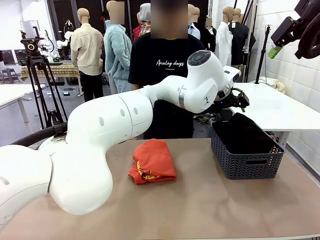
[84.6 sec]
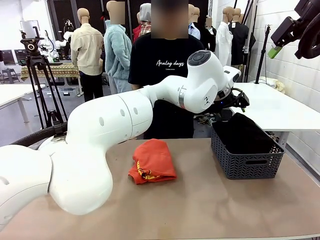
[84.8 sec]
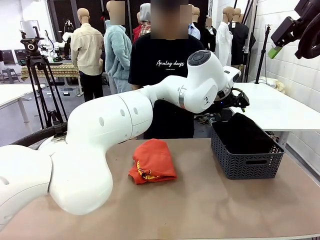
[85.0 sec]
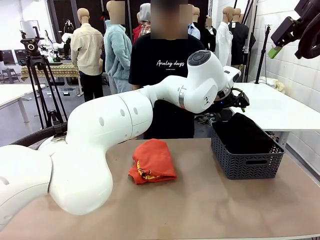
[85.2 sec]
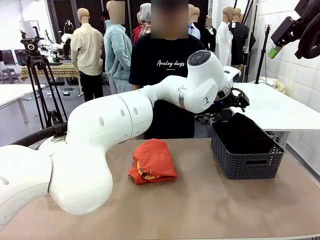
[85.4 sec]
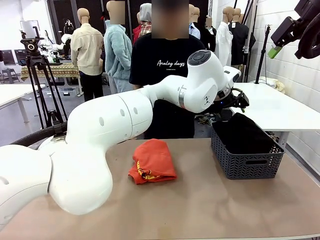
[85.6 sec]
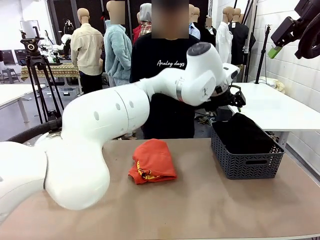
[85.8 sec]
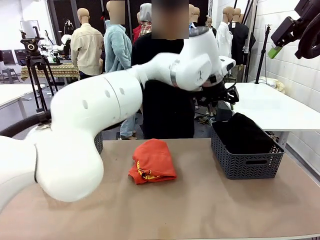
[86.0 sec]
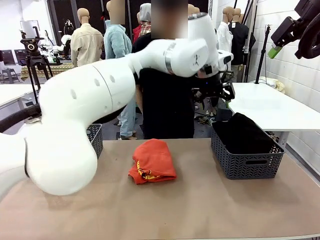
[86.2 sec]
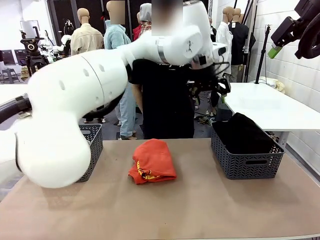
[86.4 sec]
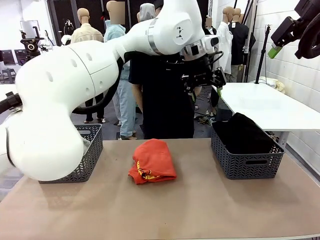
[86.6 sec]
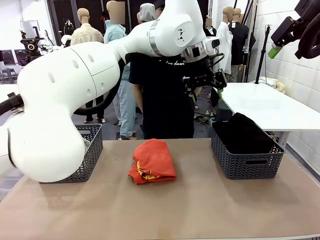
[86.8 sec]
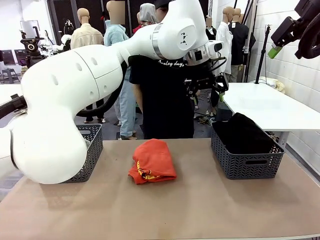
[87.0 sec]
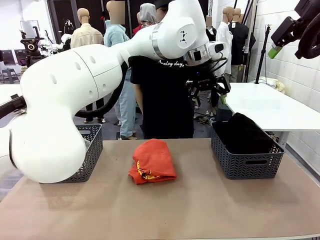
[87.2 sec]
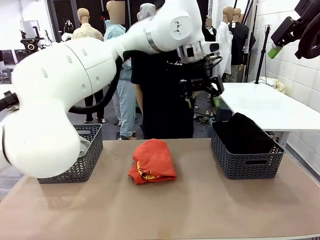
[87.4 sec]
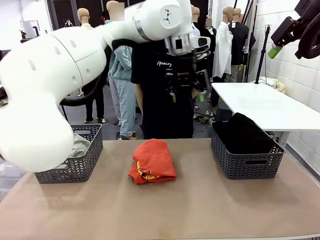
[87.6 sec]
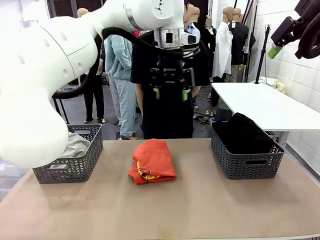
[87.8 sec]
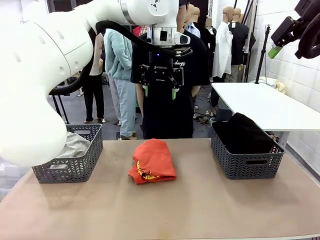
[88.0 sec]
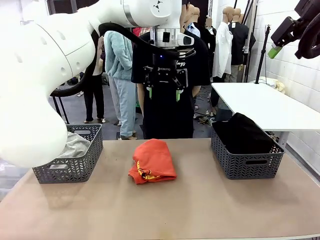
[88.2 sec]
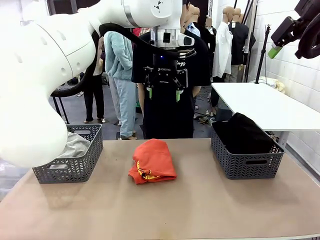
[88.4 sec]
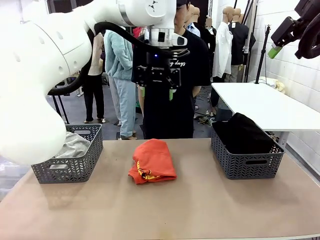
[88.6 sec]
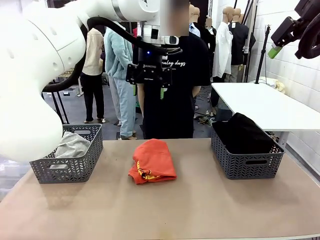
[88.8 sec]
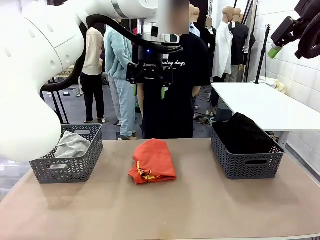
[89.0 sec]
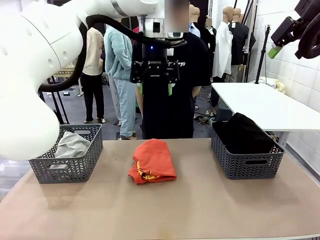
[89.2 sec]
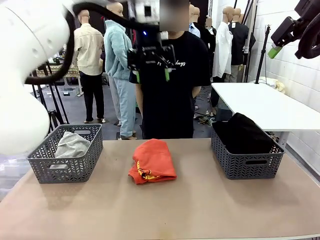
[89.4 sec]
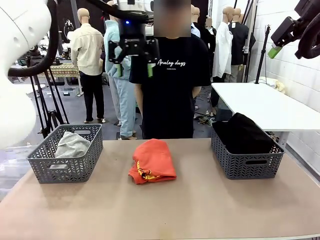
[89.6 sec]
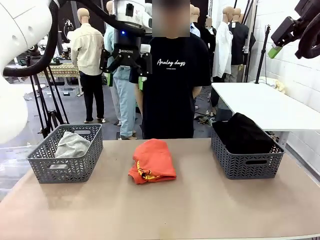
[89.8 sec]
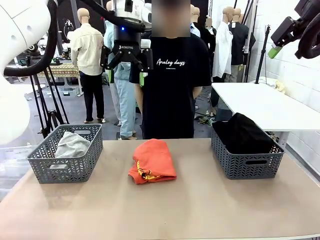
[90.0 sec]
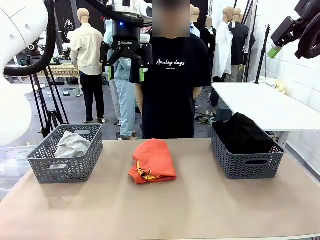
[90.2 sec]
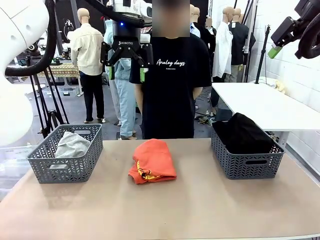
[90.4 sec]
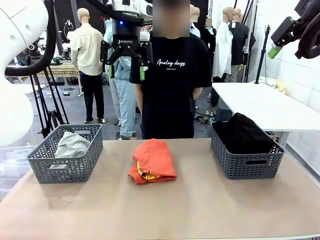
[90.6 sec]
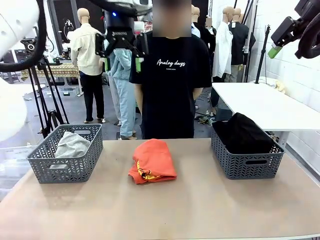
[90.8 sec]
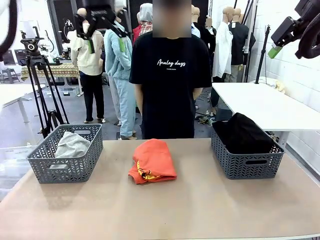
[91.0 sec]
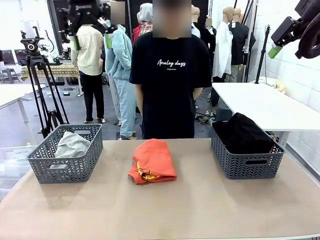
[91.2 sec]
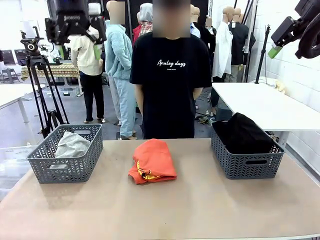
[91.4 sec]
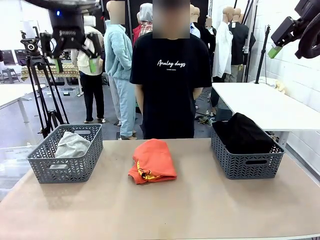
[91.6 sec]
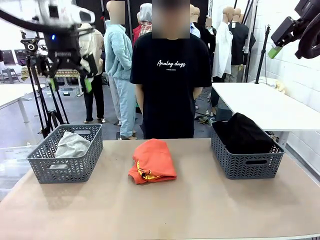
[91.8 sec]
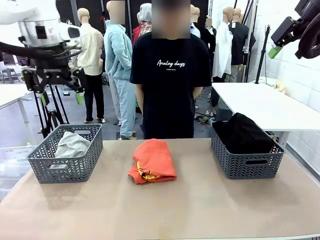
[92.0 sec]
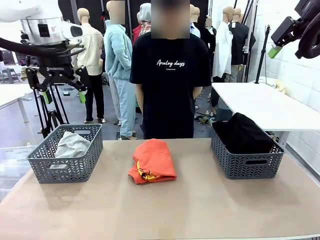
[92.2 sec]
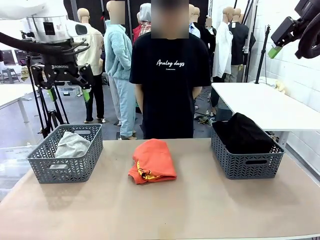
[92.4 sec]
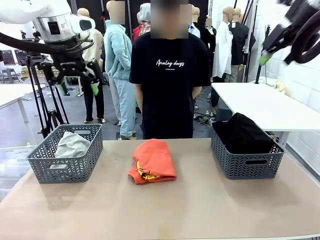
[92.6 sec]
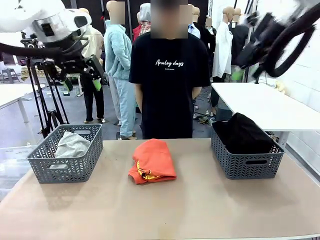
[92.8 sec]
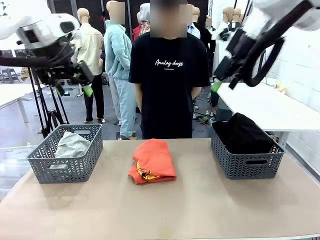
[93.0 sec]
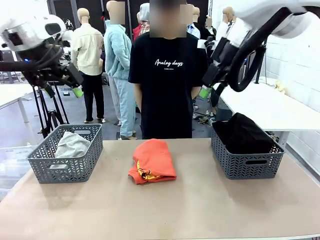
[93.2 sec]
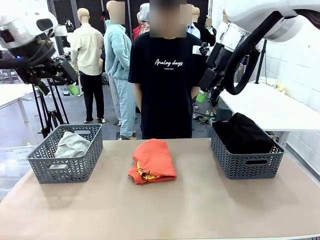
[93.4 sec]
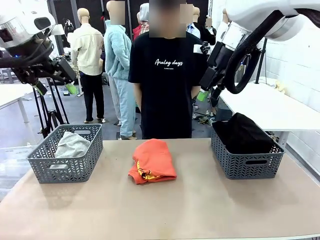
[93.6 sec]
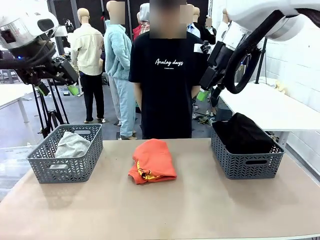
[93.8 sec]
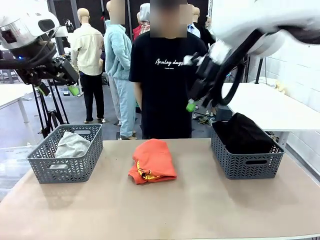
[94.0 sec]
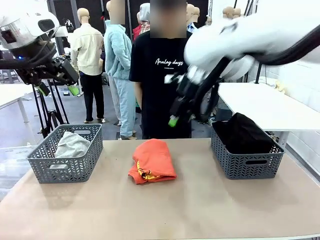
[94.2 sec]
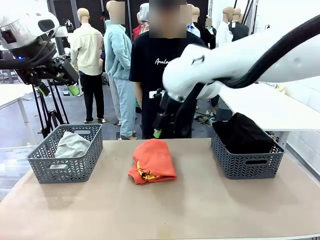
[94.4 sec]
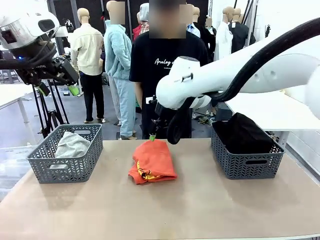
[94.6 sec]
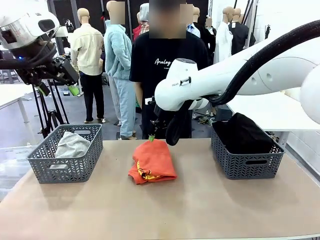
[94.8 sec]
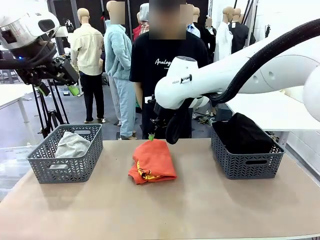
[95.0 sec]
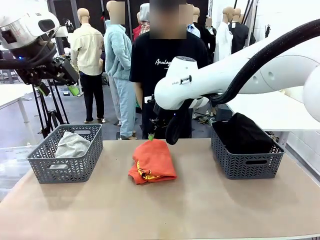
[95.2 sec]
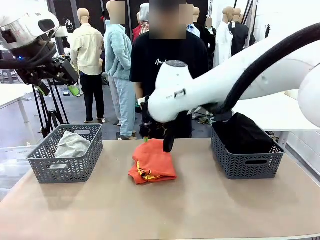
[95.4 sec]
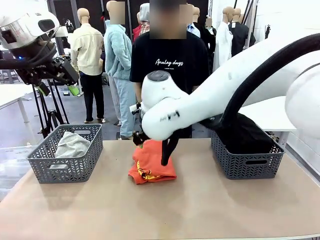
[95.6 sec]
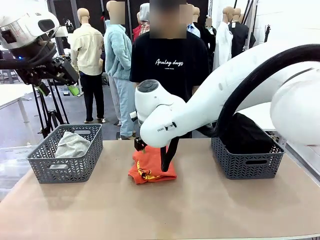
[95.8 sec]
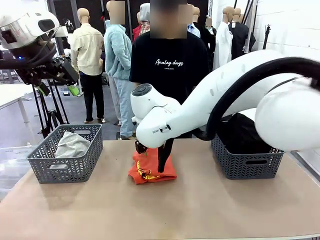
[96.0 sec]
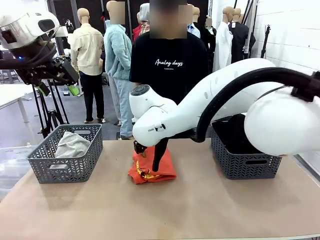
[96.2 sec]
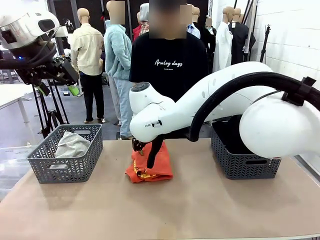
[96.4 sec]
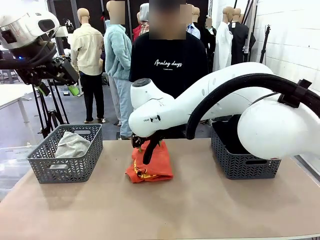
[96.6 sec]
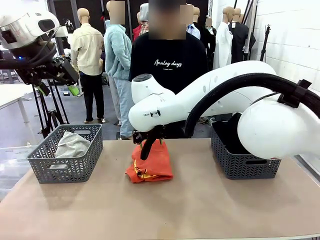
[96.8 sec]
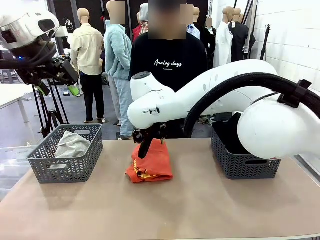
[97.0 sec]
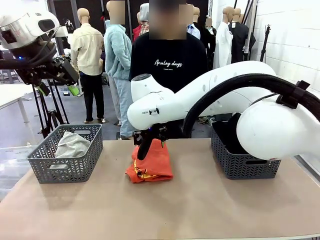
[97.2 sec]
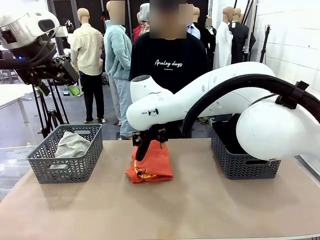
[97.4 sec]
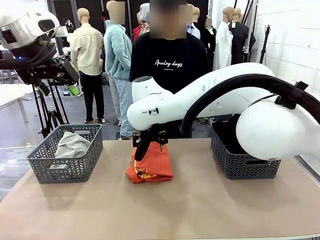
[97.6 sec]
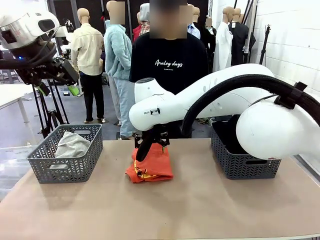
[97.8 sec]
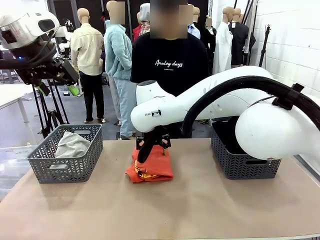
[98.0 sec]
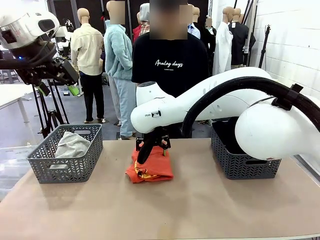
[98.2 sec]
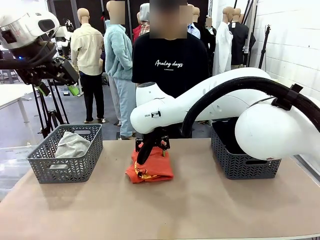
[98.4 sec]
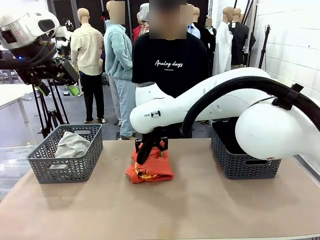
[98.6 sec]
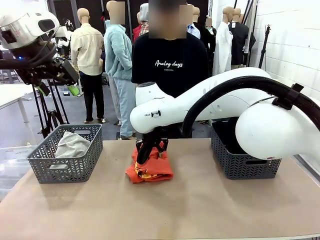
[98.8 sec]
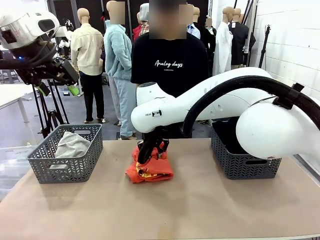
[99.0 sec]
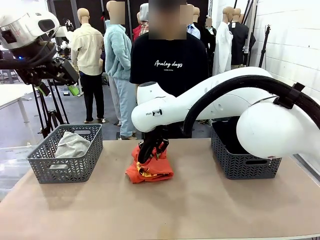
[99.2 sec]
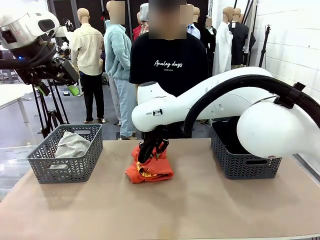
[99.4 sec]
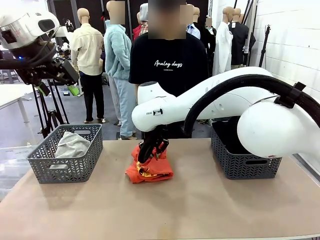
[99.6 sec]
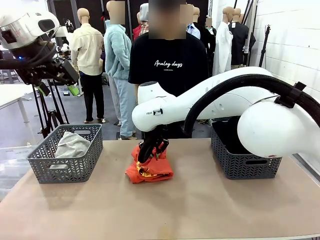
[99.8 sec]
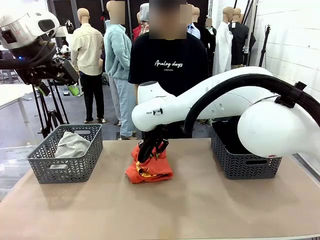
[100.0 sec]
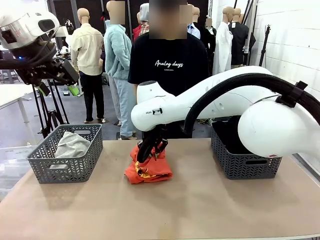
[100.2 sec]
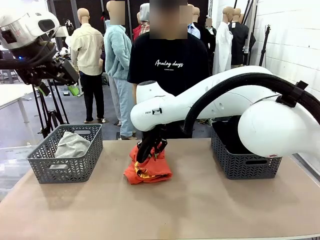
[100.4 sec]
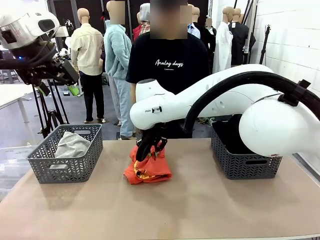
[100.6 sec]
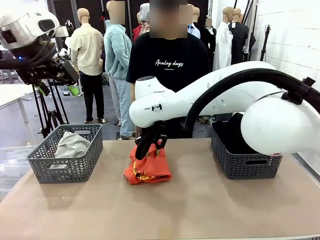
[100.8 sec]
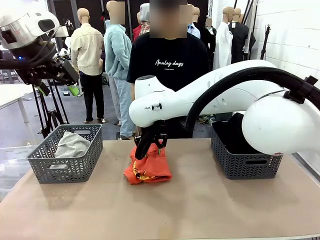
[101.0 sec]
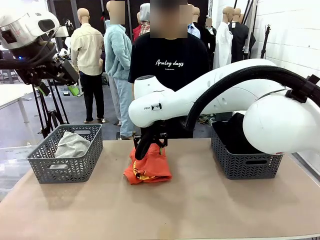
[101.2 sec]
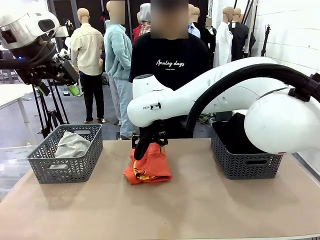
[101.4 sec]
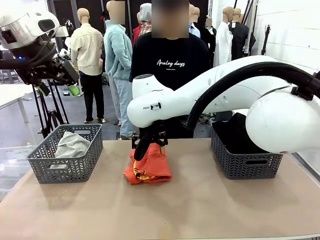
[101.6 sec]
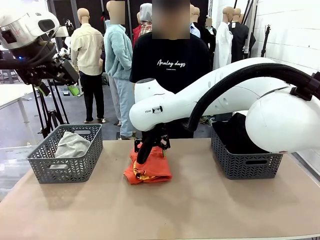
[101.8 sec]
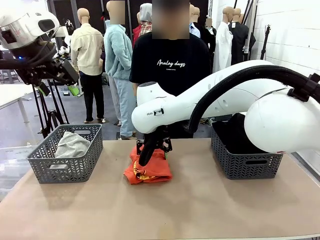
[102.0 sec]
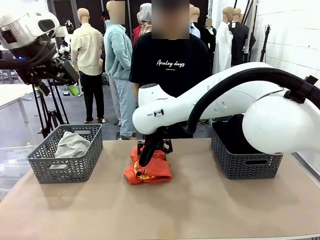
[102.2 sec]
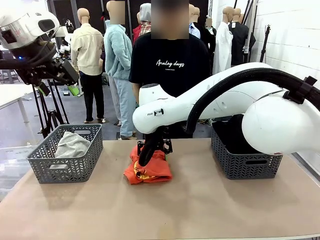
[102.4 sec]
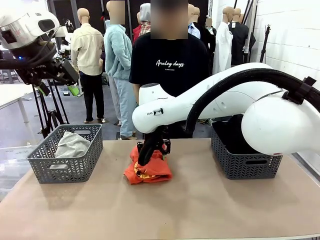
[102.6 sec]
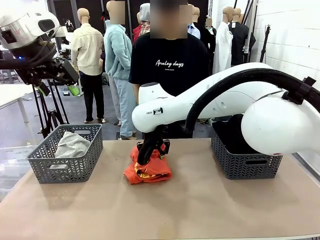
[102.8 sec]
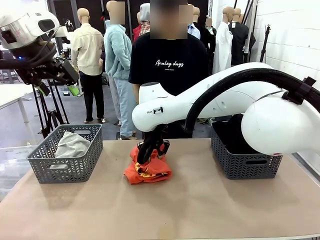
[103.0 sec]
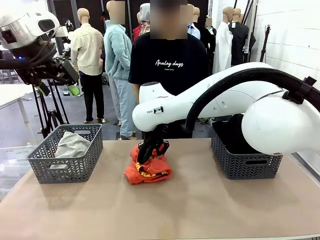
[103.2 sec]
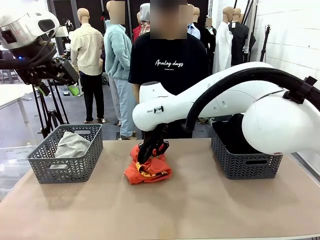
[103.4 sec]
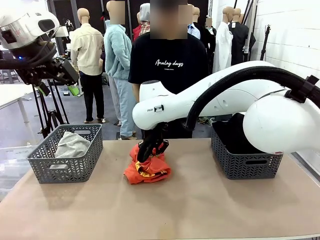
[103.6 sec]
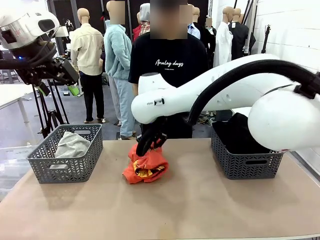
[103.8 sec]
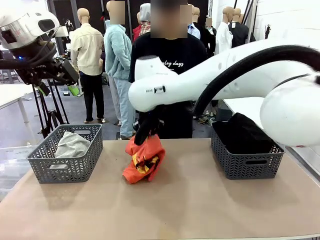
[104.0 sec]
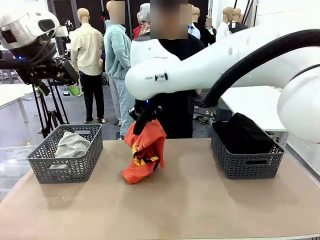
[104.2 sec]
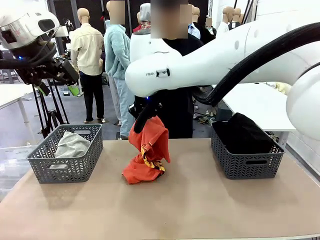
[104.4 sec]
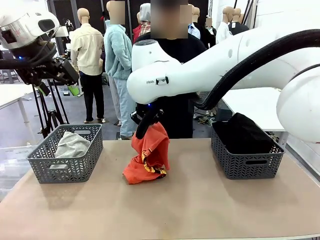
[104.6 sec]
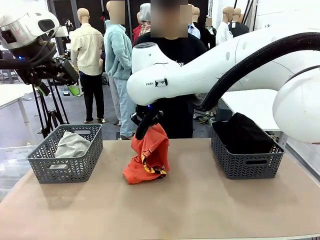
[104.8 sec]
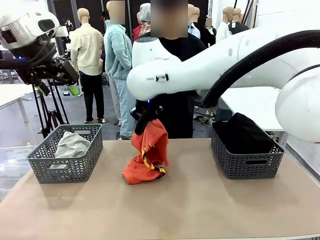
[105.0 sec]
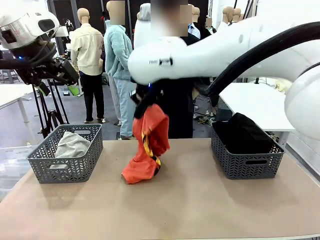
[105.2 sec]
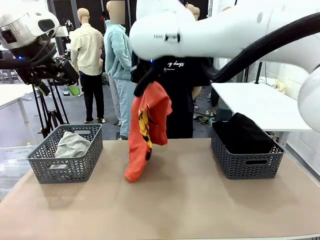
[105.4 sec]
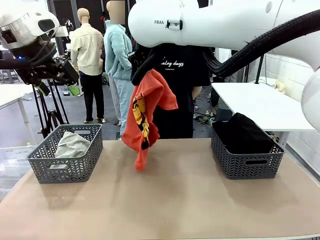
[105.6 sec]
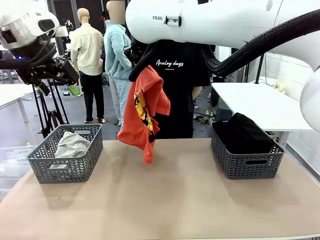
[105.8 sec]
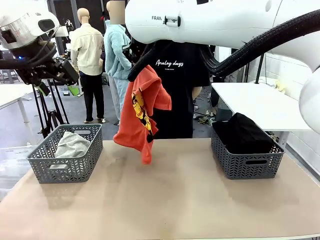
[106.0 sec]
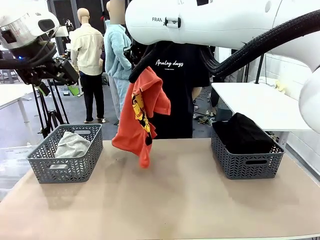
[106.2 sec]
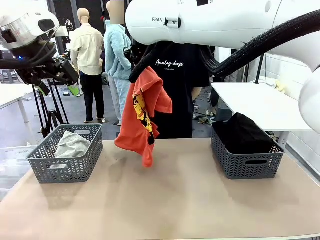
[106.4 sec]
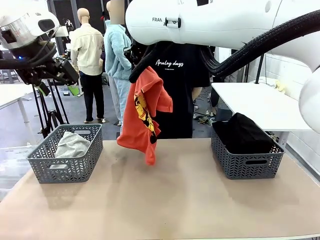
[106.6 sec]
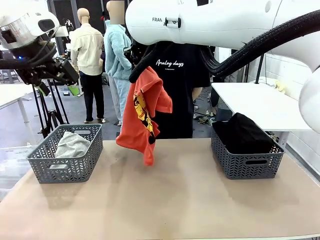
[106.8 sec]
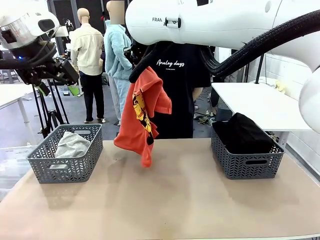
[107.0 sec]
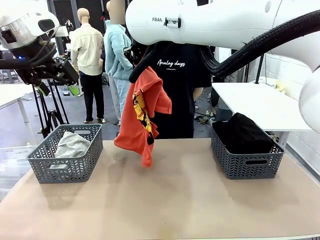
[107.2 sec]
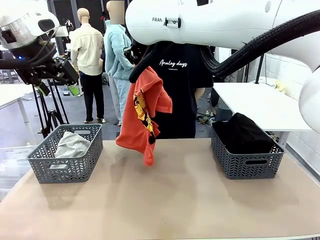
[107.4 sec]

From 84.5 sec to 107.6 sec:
Task: Sort the tops and bottoms.
Robot: Lift clothes from the center of the table with your right hand.
